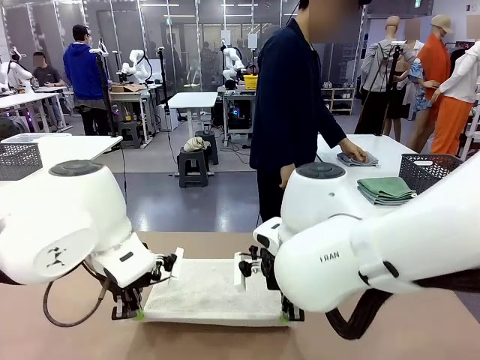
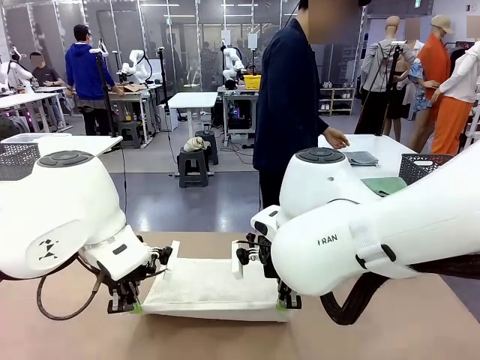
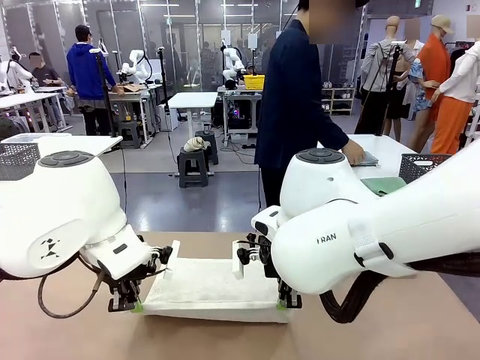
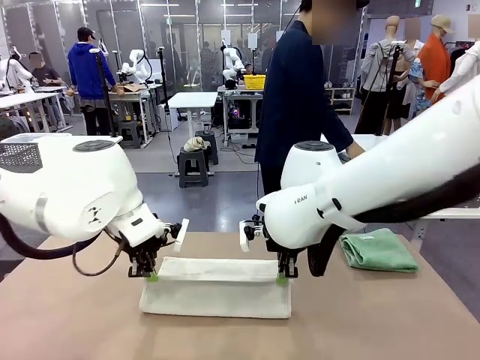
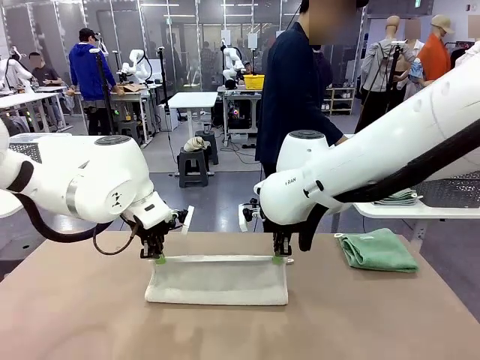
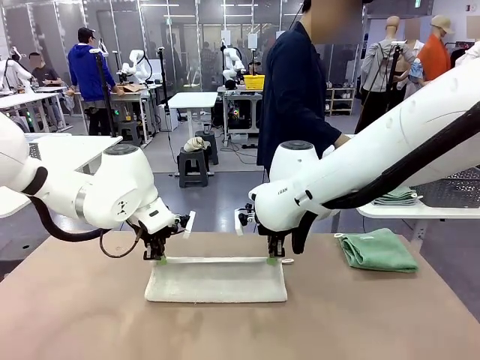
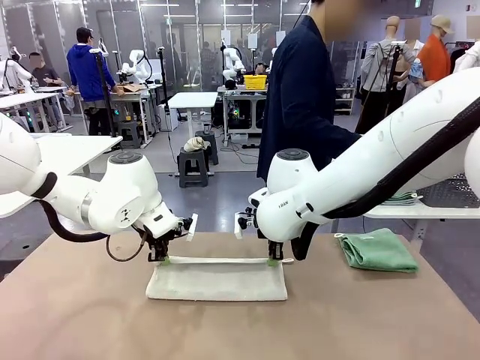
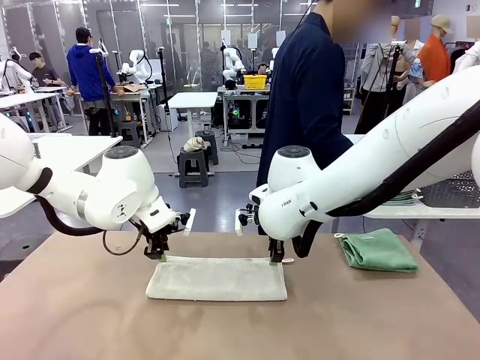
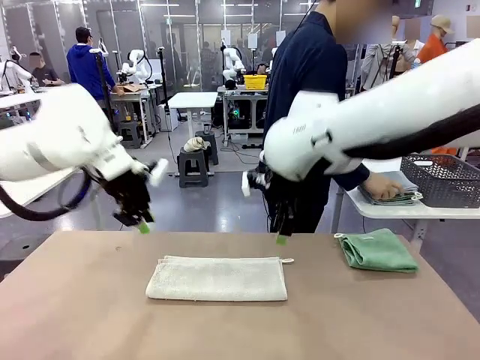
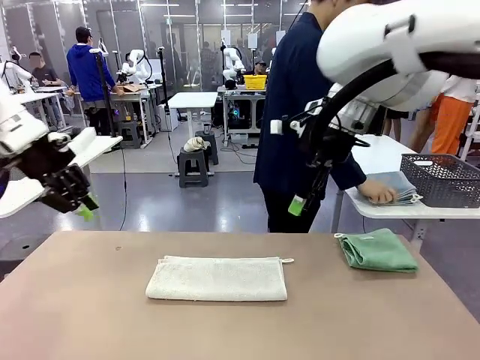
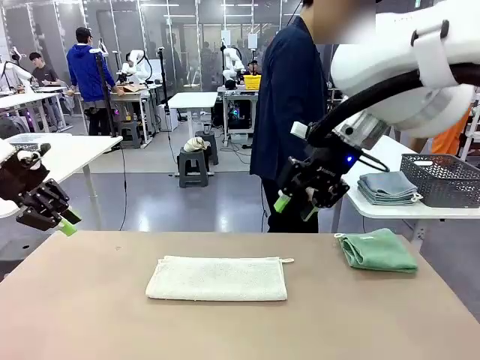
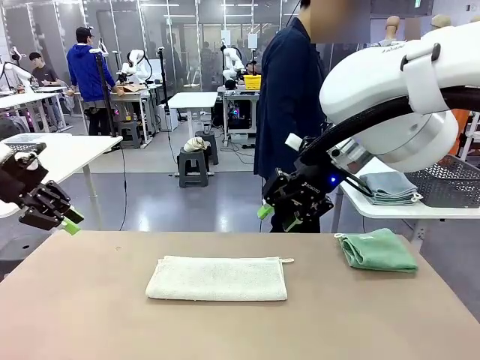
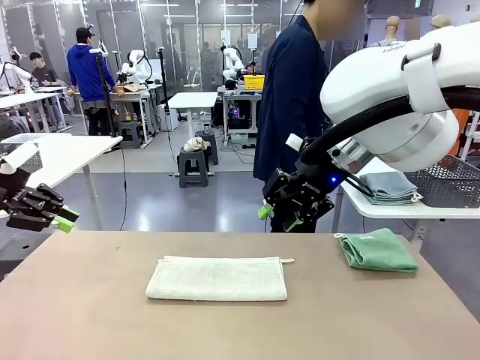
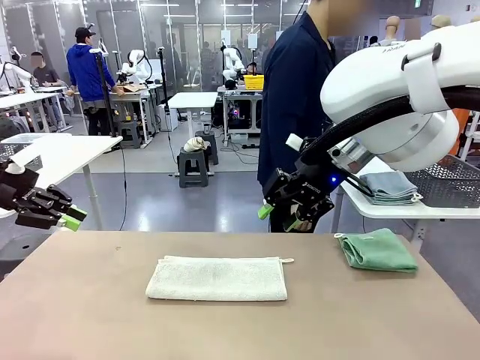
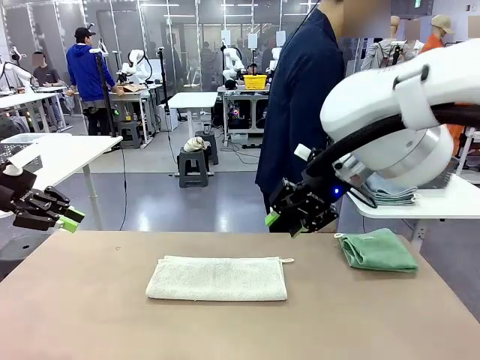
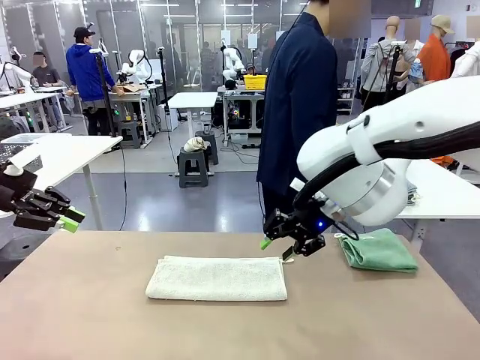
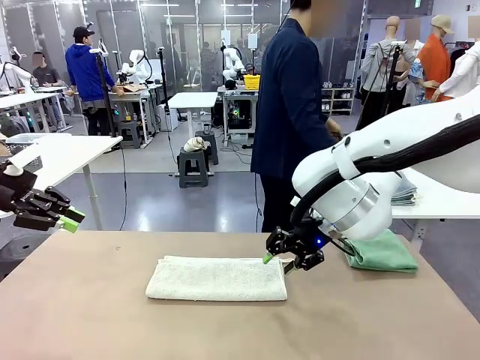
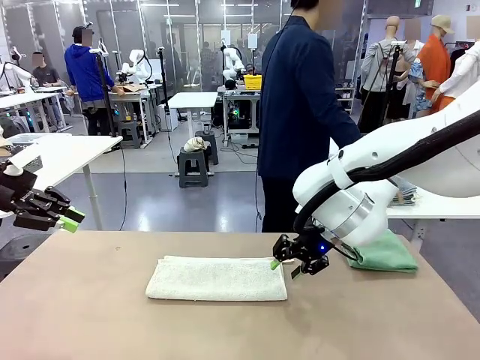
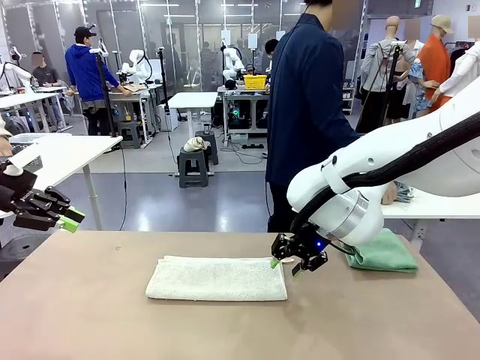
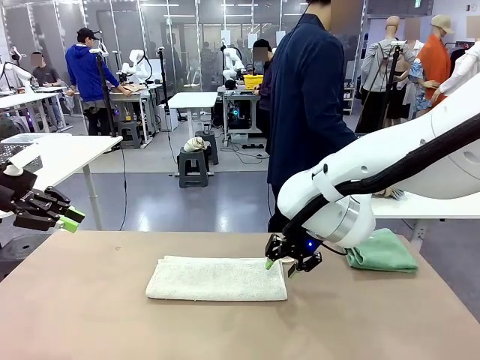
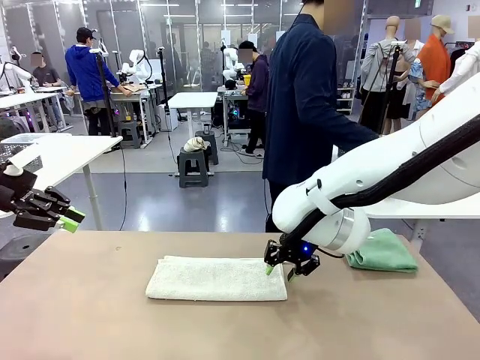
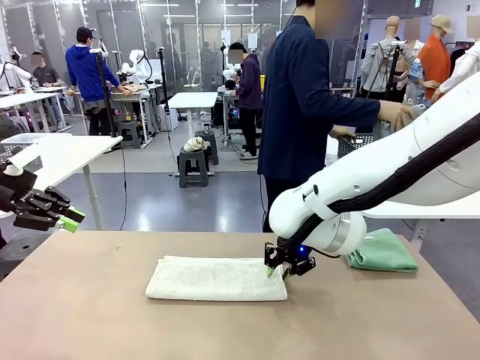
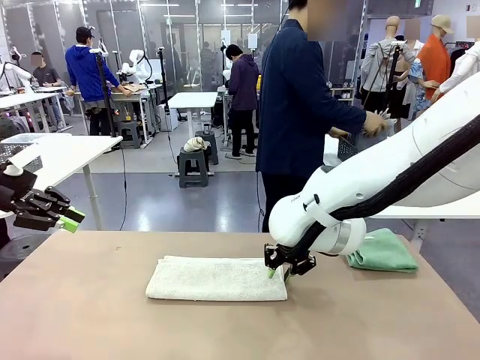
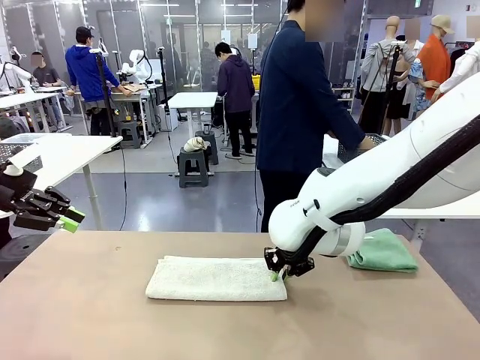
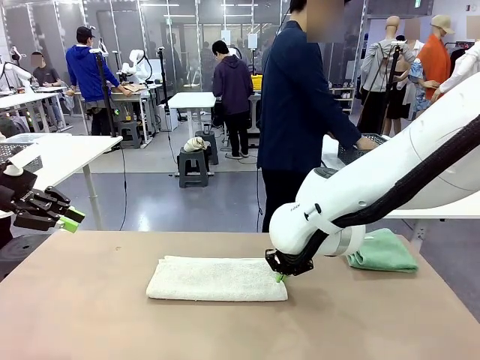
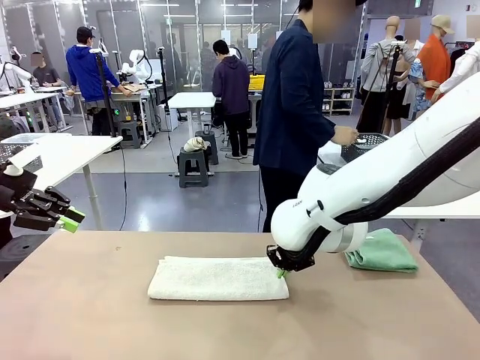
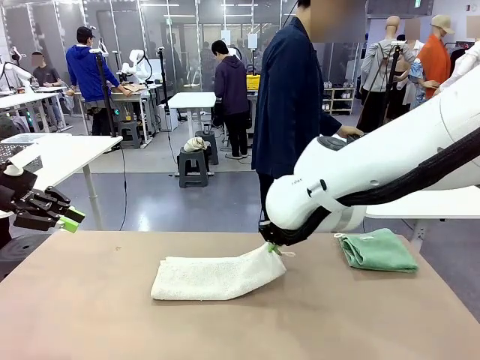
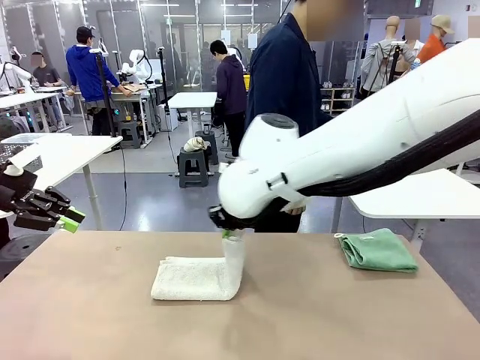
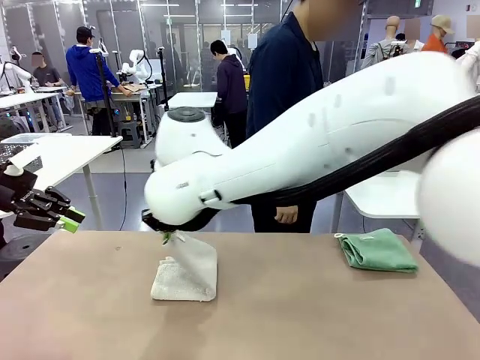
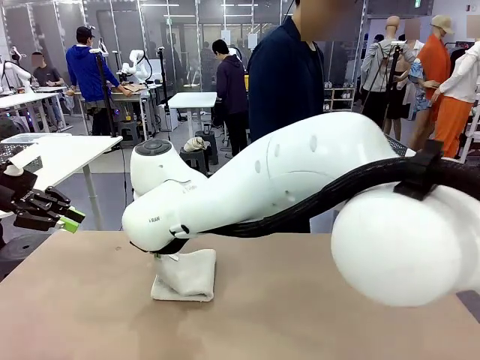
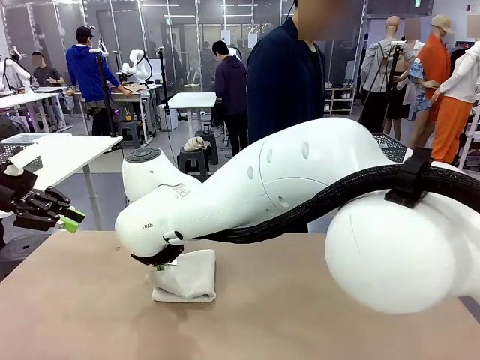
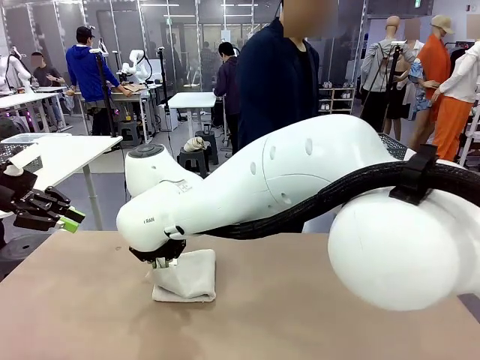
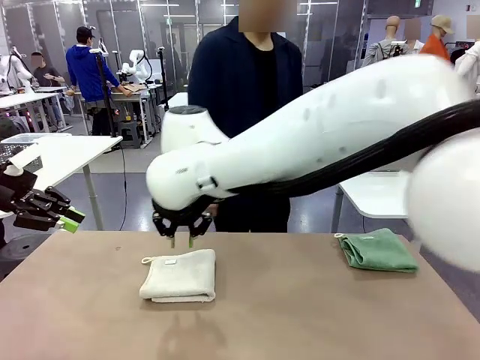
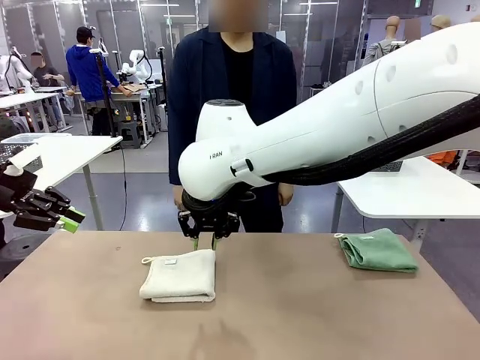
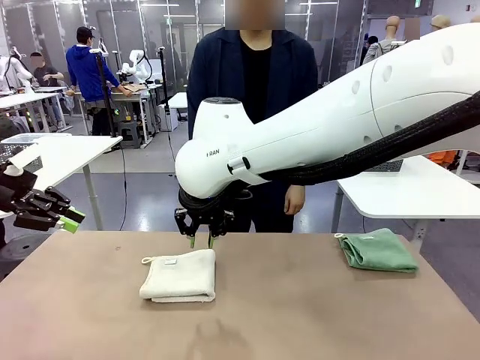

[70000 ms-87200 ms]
Task: Fold the towels and place them in the basket.
Robot: When a person lays out a Towel with hook on the table, fold it in half twice.
Person: Pick up the stack of towels from the right side of the human table, place it into the basket, and put the basket at the center of the table.
